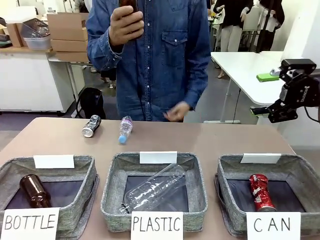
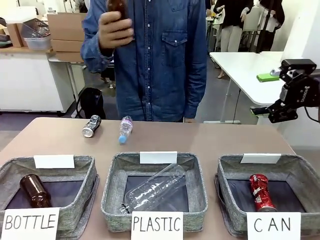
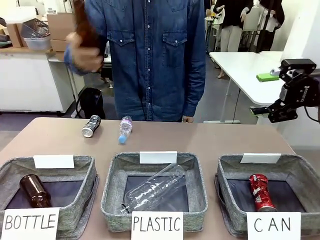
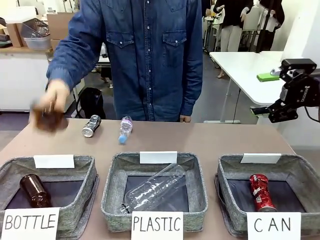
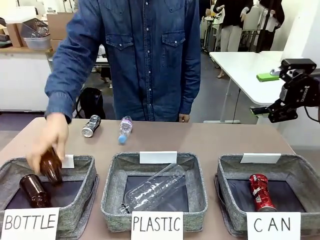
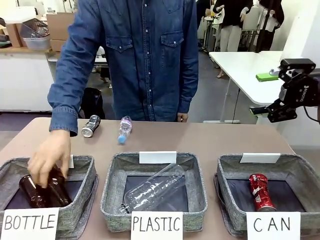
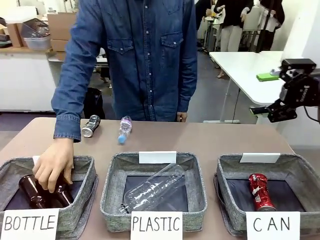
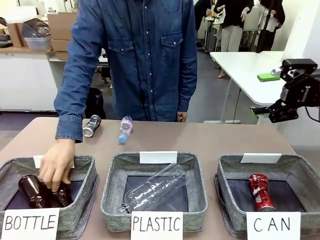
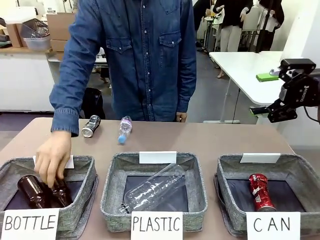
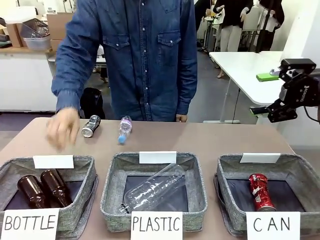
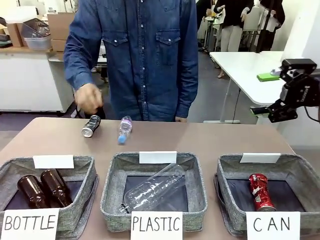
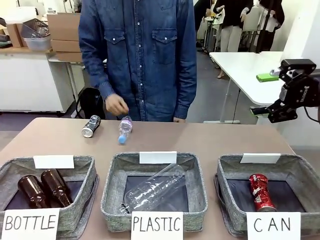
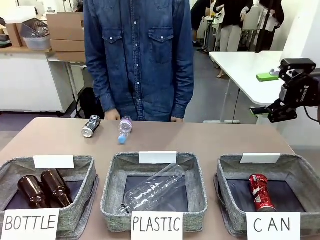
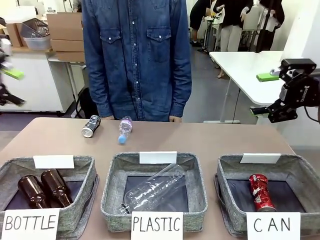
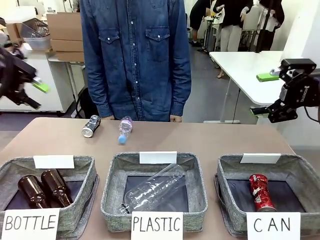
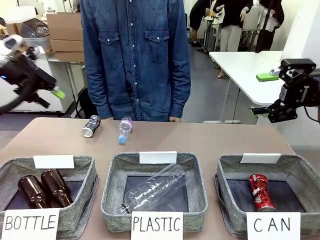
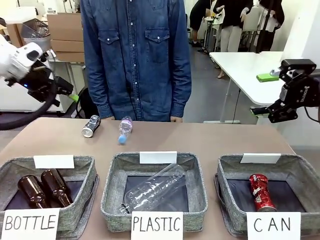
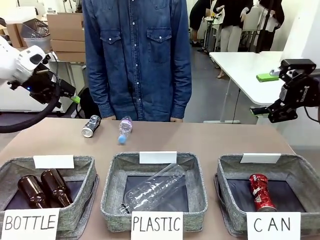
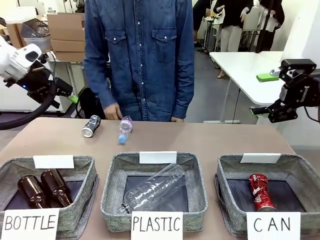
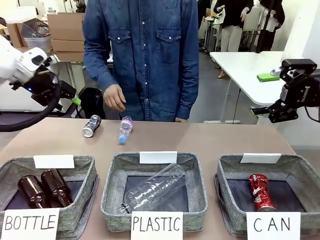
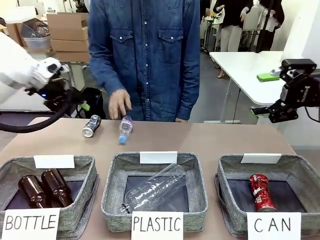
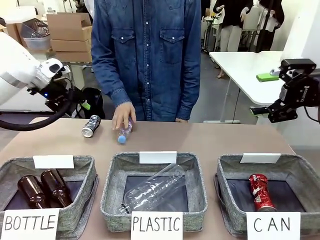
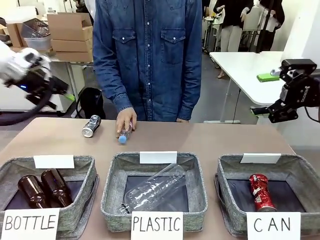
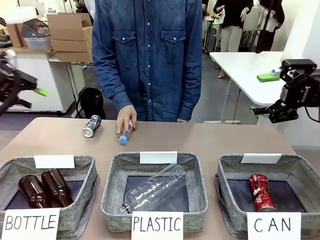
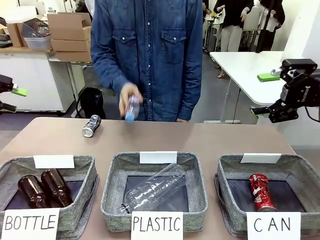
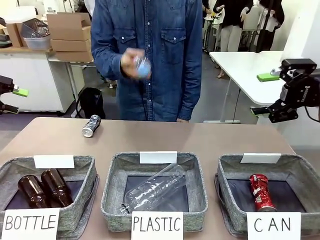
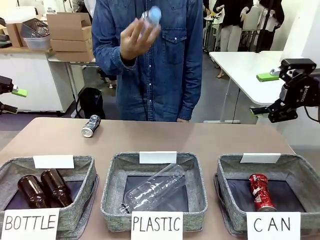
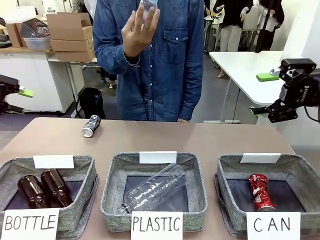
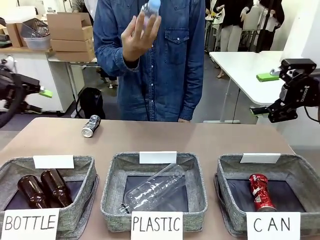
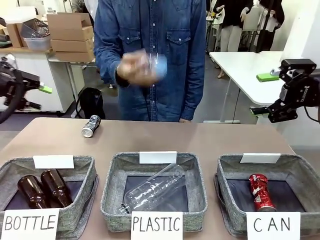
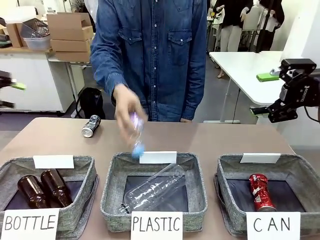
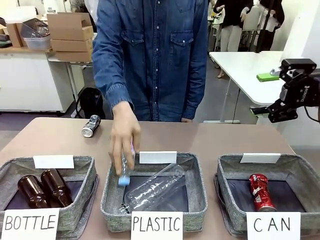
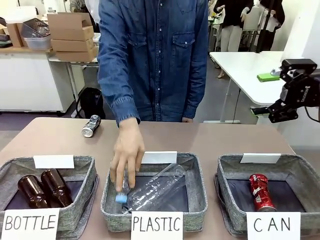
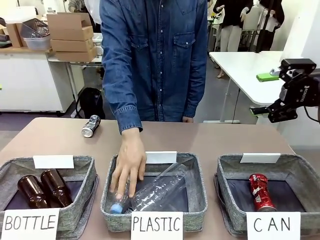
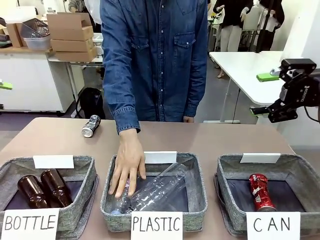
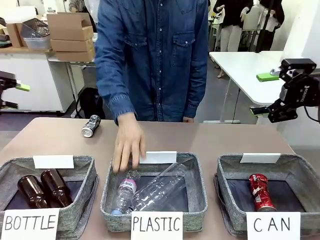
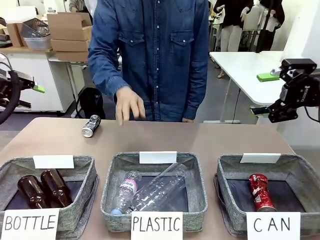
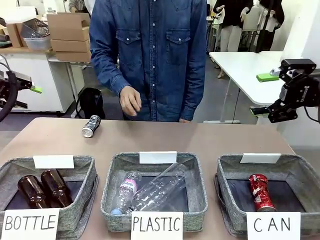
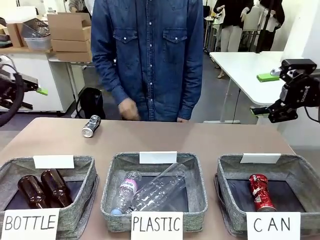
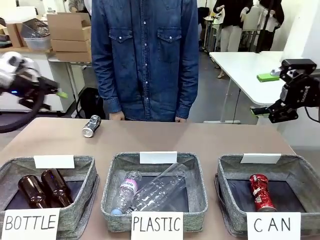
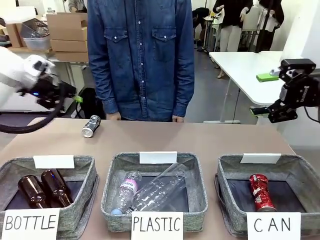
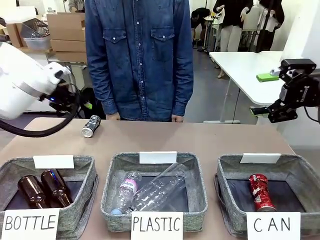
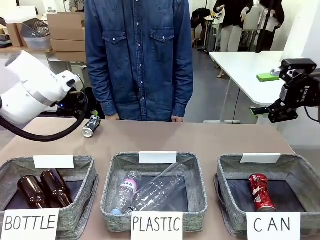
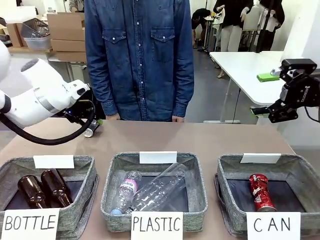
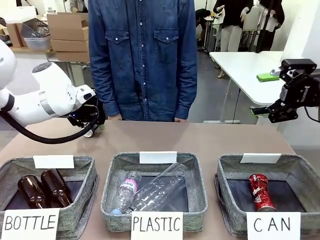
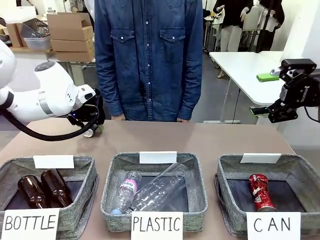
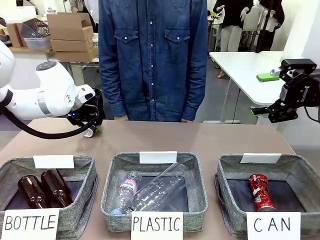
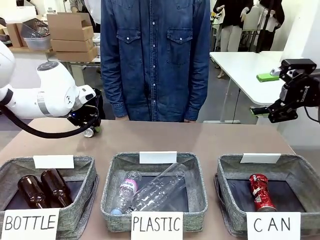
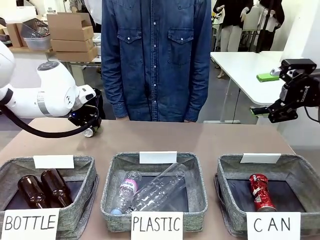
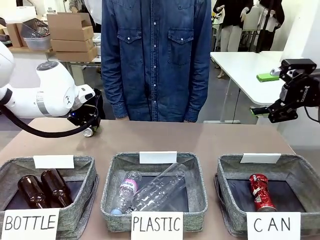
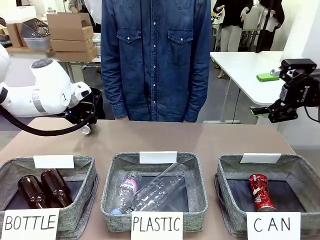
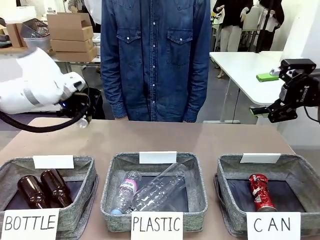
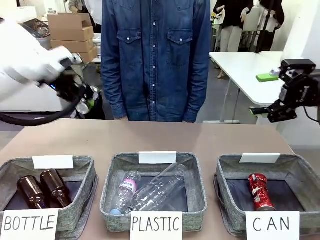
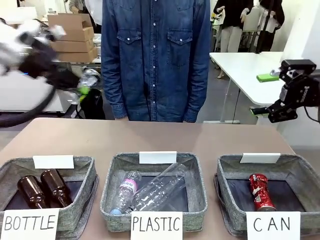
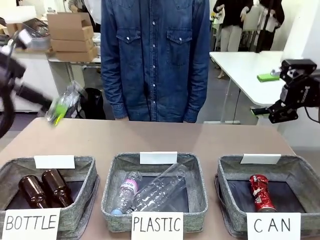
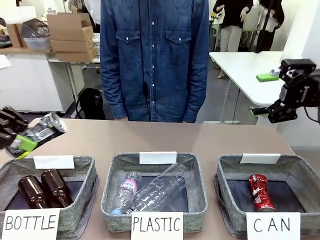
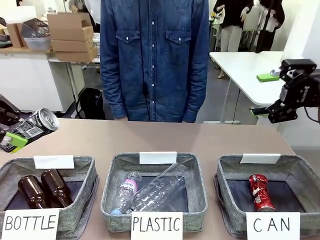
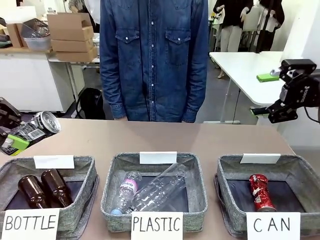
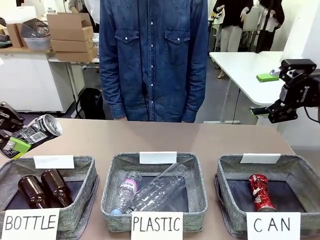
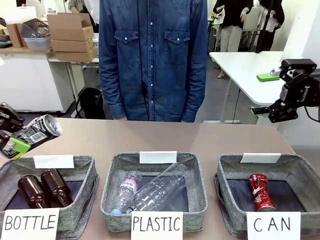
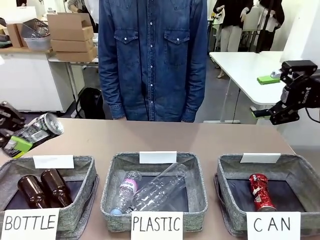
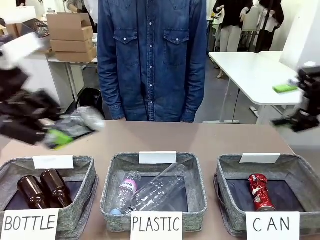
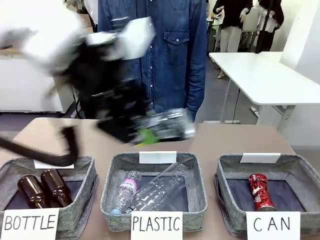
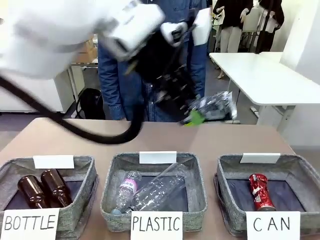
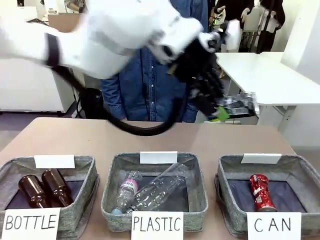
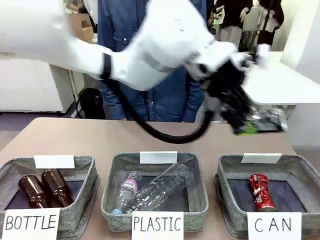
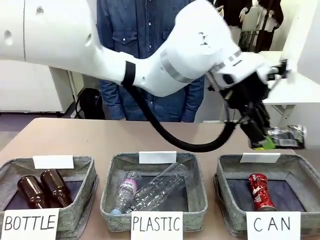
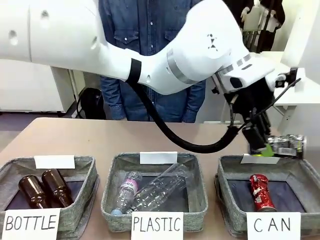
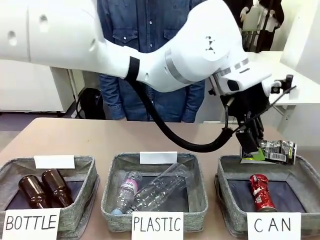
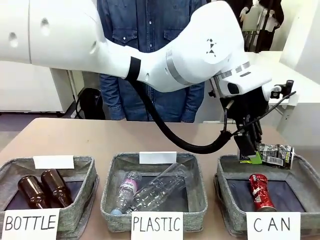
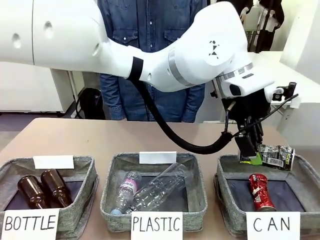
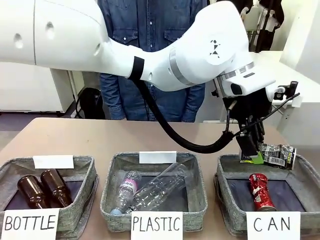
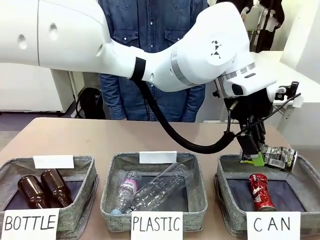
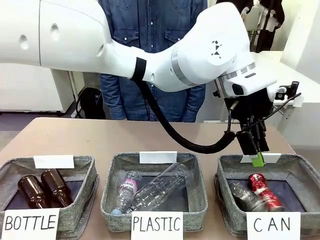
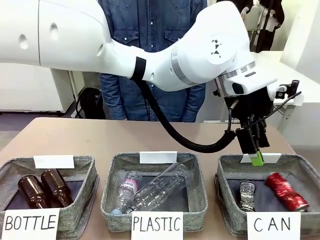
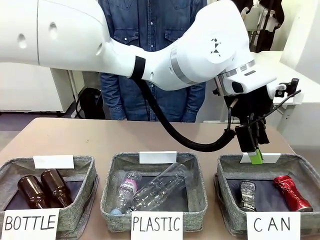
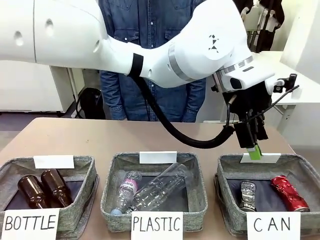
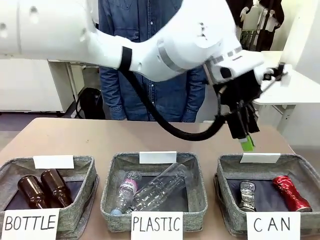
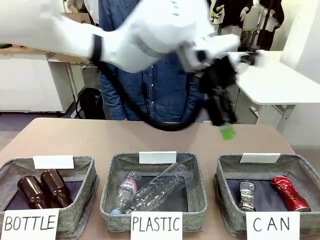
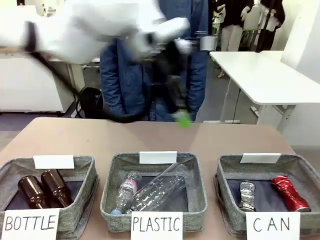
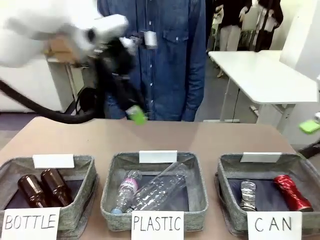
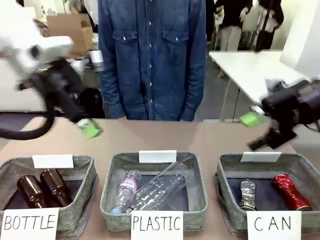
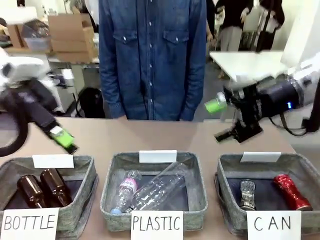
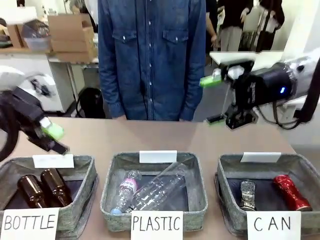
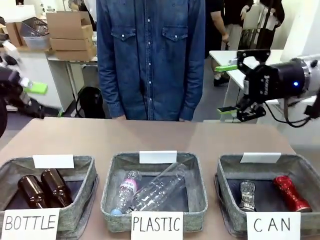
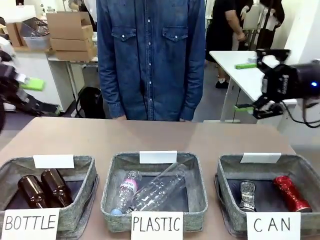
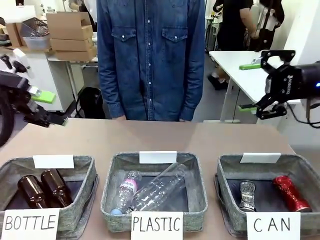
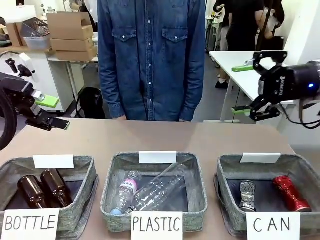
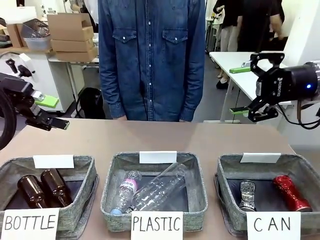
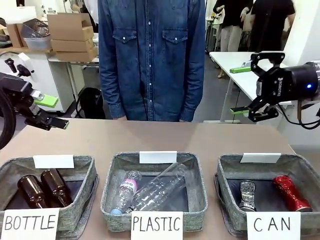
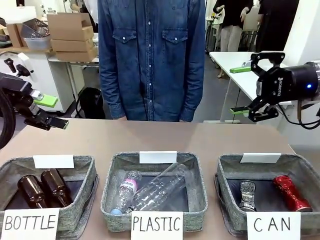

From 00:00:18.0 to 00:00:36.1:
Task: Sort the can waste into the basket.
Robot: Pick up the can waste from the table and place it in the right Fabric basket.
Person: The human picks up one piece of trash that is not a can and places the trash into the appropriate organizing basket.
